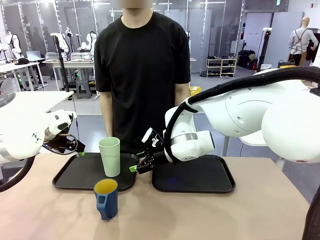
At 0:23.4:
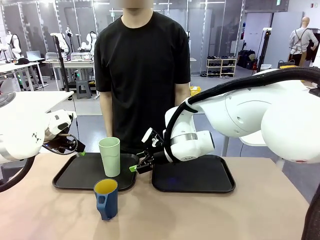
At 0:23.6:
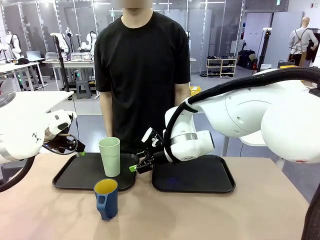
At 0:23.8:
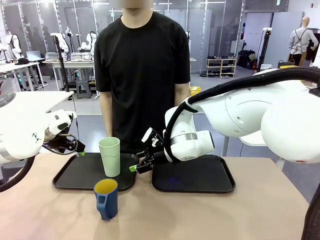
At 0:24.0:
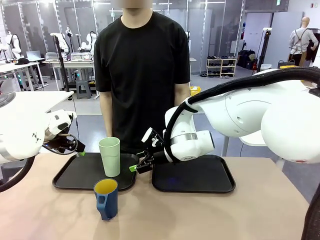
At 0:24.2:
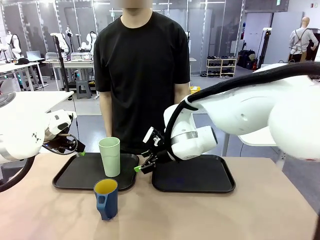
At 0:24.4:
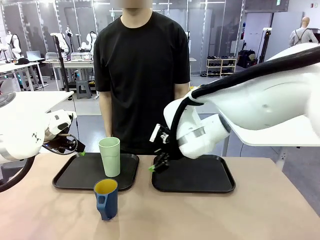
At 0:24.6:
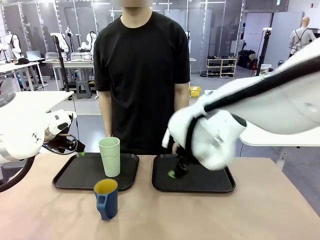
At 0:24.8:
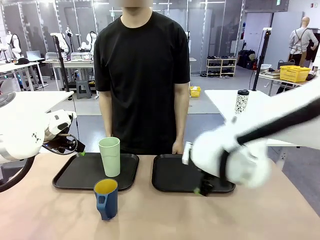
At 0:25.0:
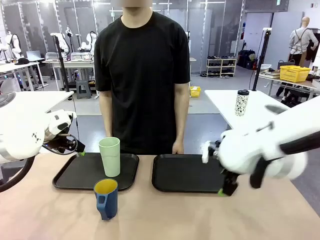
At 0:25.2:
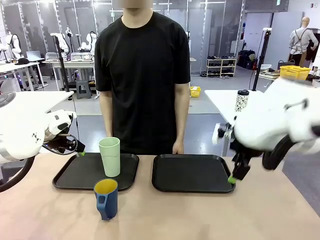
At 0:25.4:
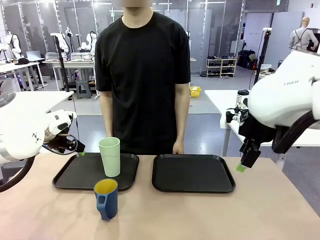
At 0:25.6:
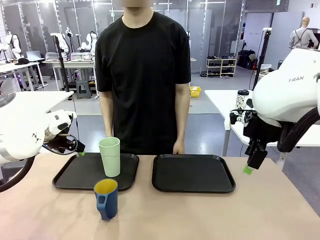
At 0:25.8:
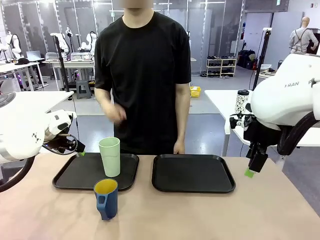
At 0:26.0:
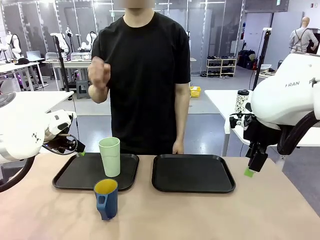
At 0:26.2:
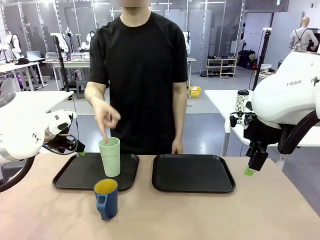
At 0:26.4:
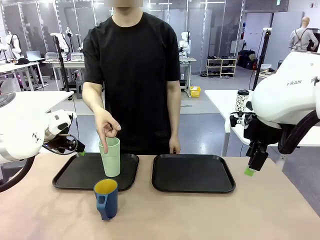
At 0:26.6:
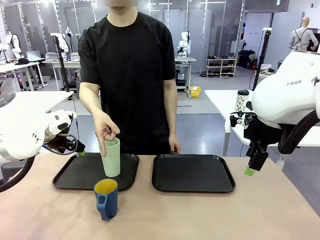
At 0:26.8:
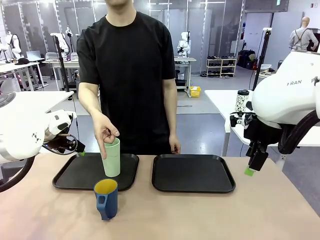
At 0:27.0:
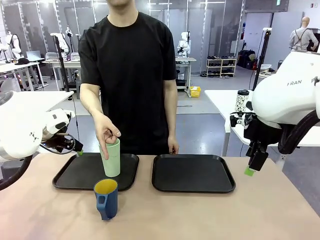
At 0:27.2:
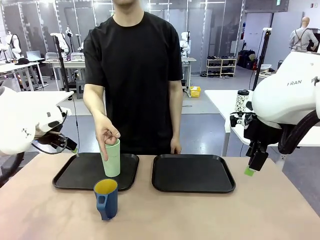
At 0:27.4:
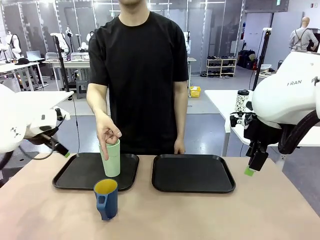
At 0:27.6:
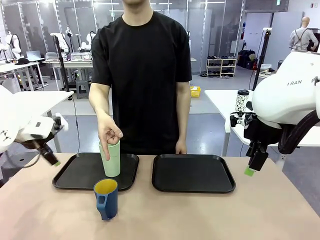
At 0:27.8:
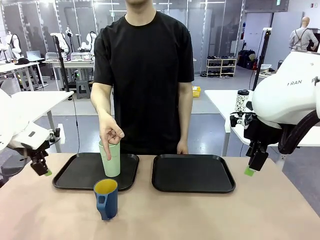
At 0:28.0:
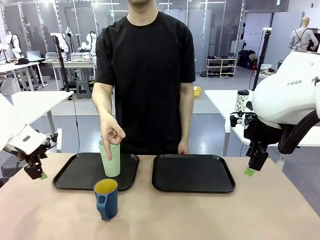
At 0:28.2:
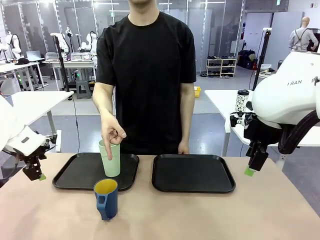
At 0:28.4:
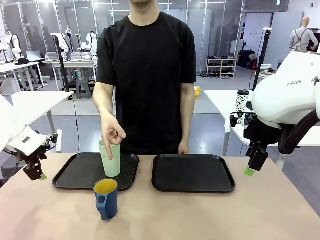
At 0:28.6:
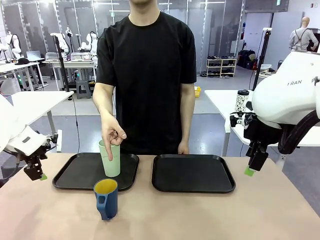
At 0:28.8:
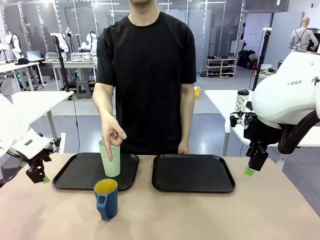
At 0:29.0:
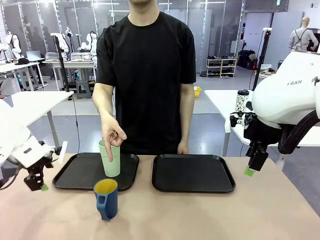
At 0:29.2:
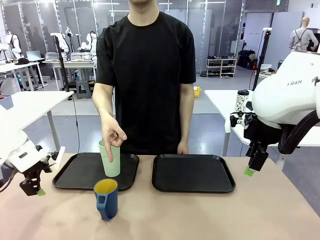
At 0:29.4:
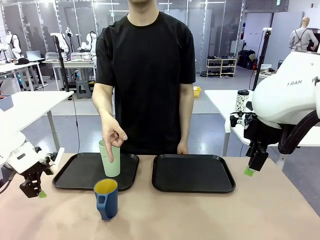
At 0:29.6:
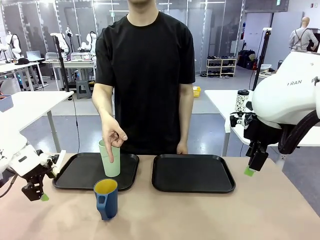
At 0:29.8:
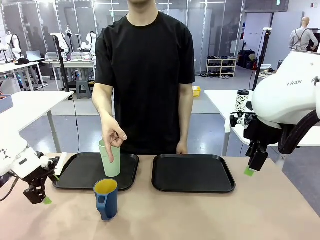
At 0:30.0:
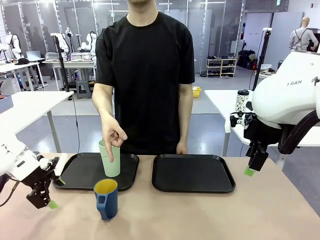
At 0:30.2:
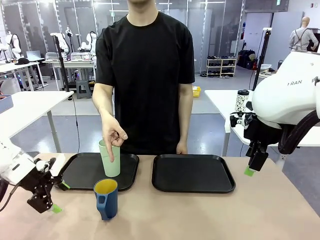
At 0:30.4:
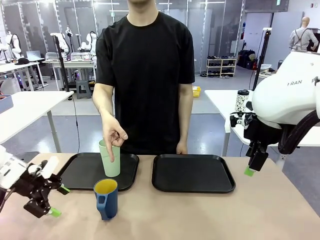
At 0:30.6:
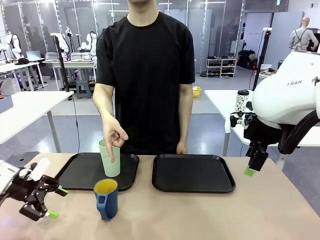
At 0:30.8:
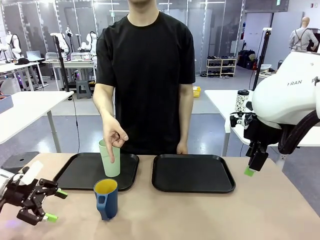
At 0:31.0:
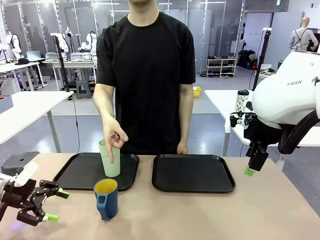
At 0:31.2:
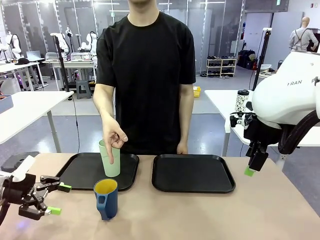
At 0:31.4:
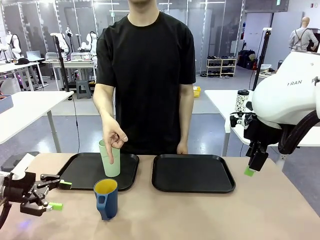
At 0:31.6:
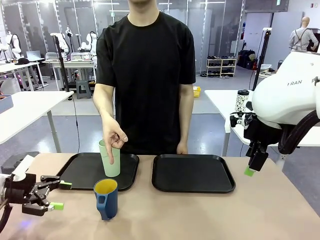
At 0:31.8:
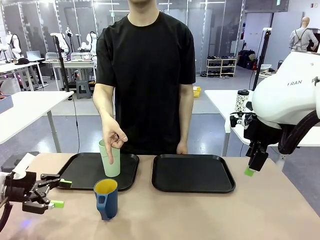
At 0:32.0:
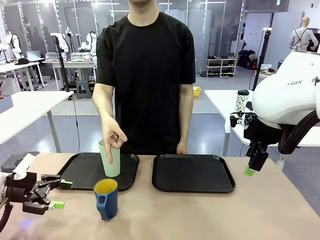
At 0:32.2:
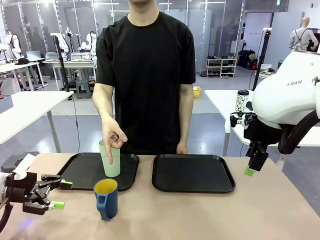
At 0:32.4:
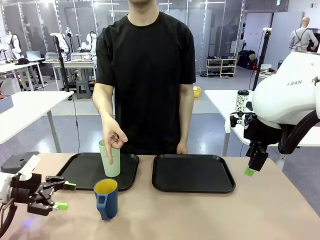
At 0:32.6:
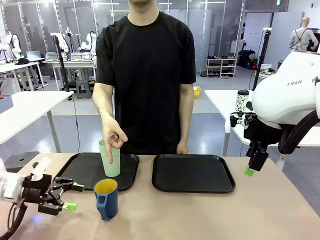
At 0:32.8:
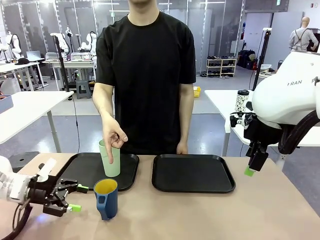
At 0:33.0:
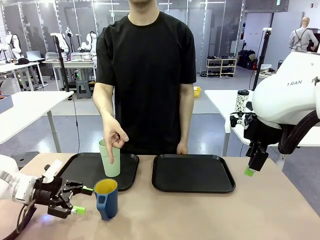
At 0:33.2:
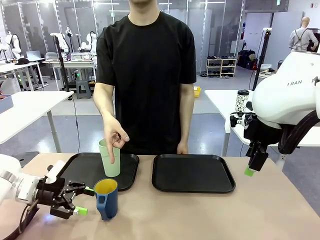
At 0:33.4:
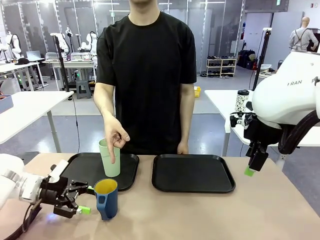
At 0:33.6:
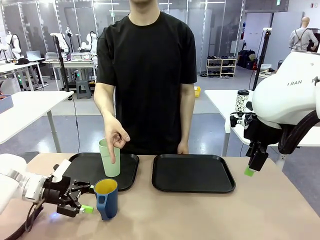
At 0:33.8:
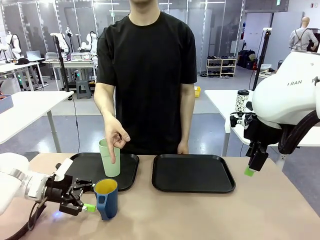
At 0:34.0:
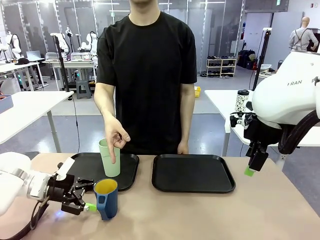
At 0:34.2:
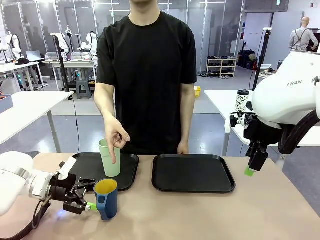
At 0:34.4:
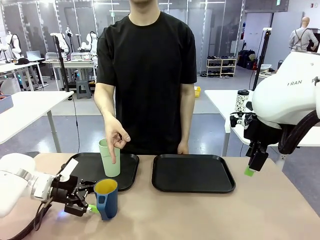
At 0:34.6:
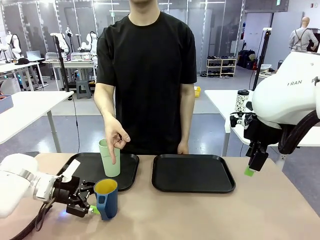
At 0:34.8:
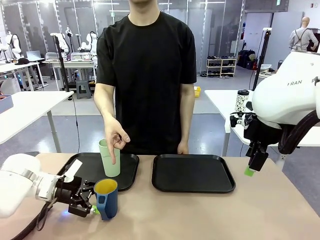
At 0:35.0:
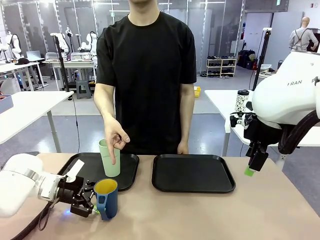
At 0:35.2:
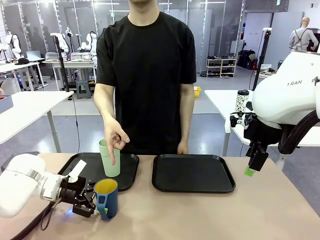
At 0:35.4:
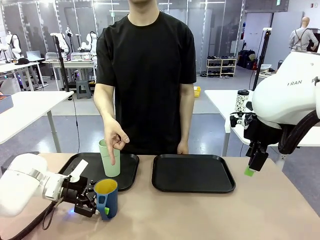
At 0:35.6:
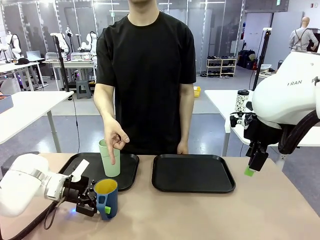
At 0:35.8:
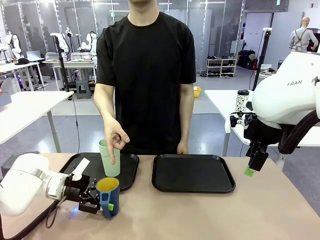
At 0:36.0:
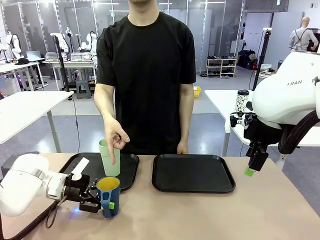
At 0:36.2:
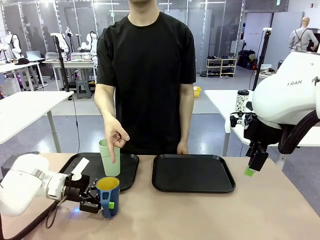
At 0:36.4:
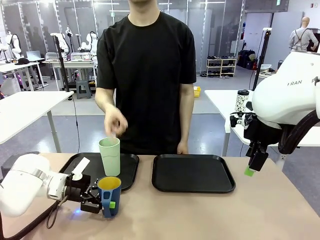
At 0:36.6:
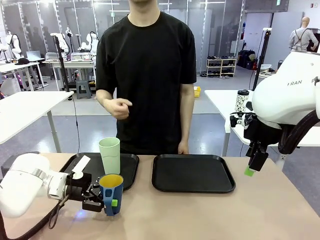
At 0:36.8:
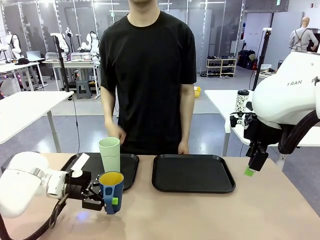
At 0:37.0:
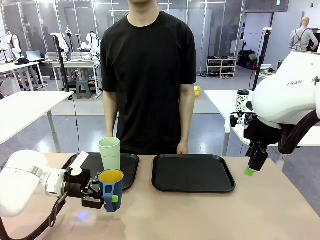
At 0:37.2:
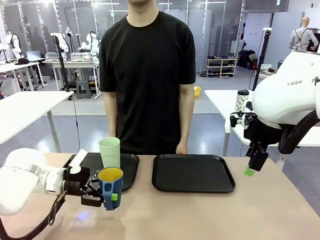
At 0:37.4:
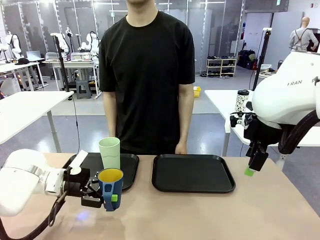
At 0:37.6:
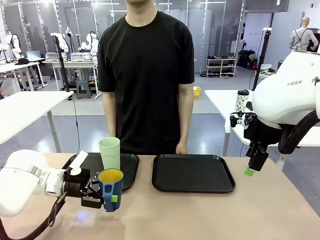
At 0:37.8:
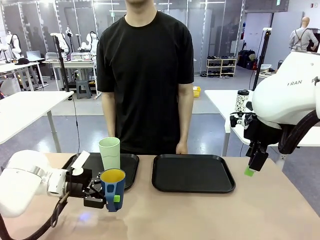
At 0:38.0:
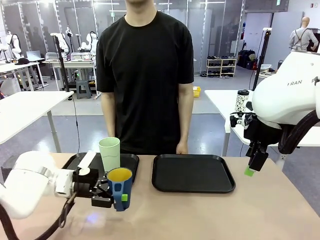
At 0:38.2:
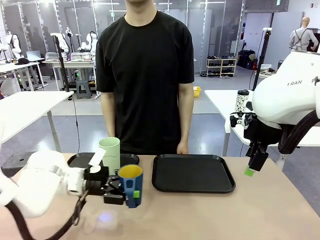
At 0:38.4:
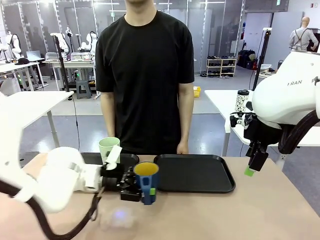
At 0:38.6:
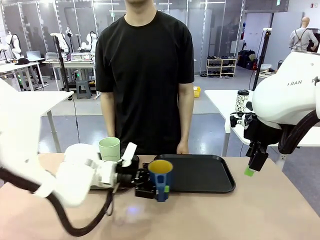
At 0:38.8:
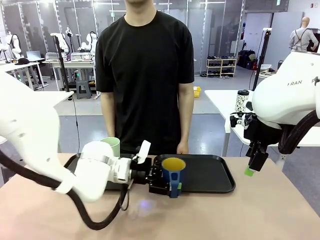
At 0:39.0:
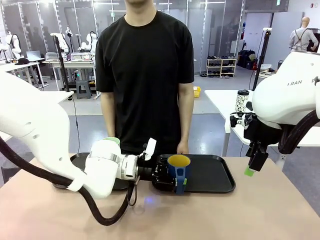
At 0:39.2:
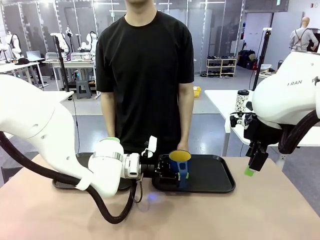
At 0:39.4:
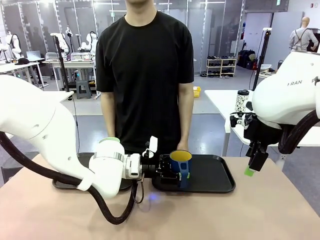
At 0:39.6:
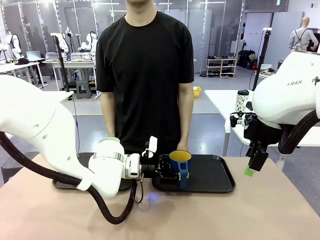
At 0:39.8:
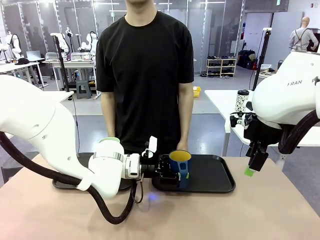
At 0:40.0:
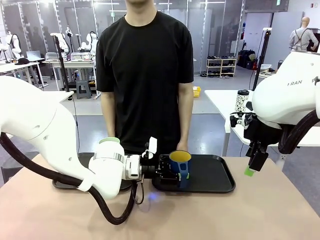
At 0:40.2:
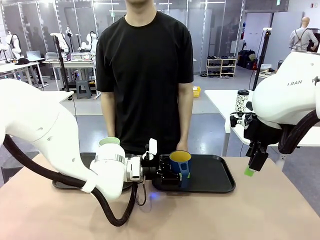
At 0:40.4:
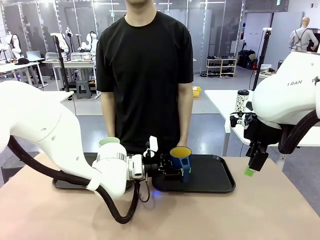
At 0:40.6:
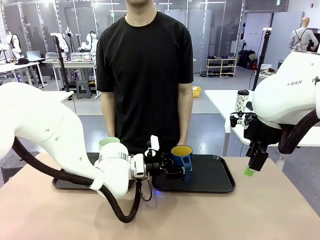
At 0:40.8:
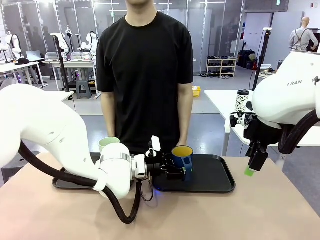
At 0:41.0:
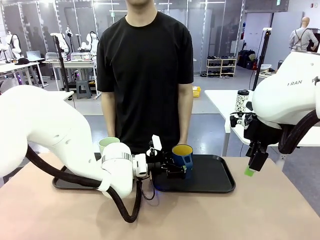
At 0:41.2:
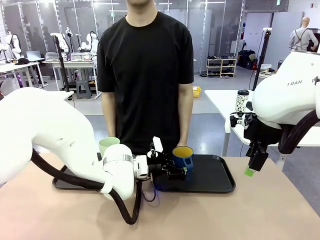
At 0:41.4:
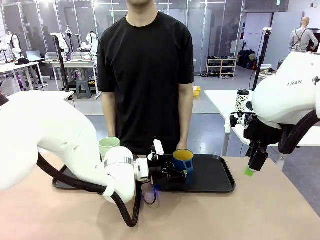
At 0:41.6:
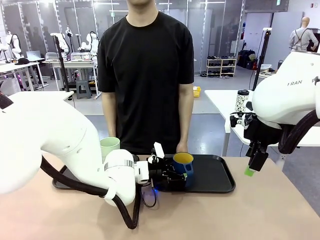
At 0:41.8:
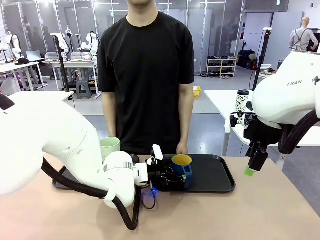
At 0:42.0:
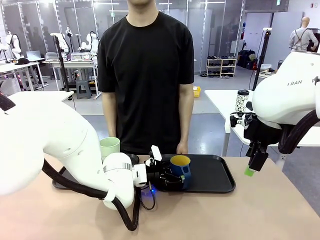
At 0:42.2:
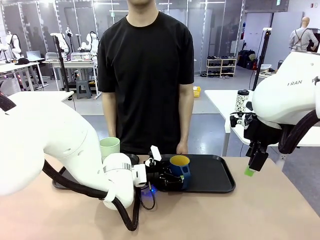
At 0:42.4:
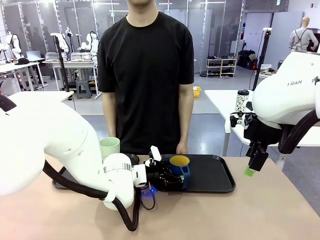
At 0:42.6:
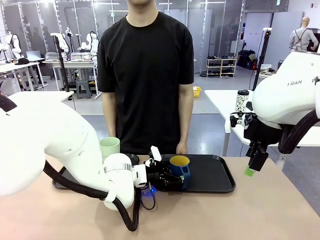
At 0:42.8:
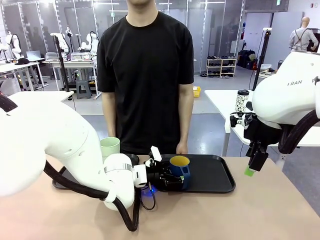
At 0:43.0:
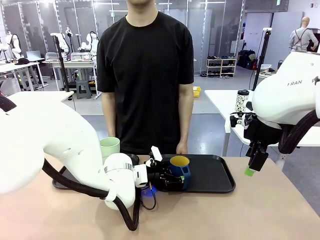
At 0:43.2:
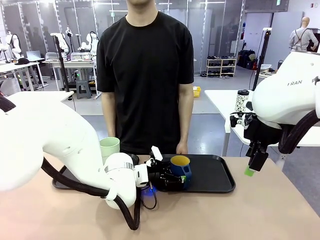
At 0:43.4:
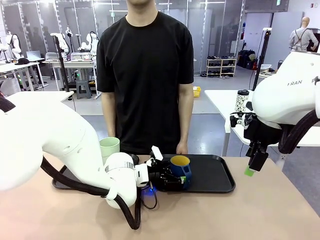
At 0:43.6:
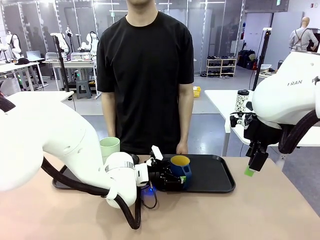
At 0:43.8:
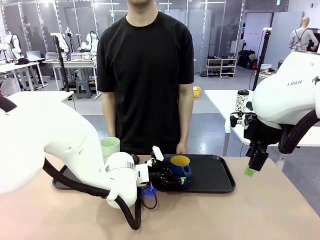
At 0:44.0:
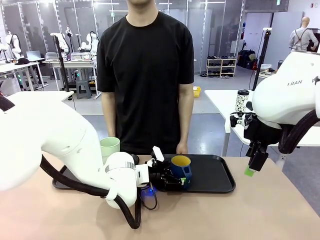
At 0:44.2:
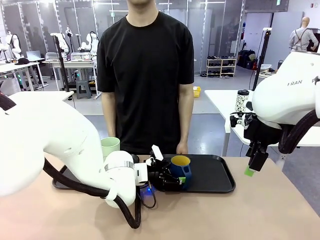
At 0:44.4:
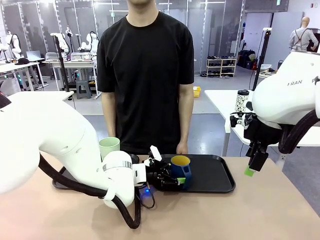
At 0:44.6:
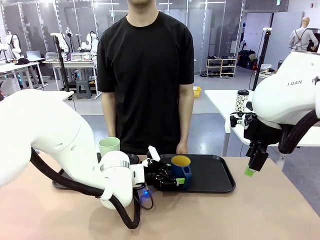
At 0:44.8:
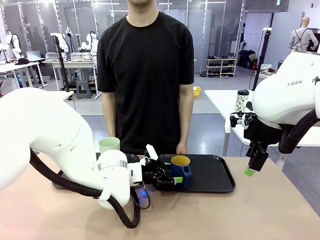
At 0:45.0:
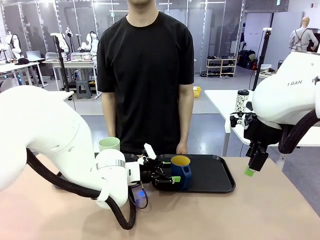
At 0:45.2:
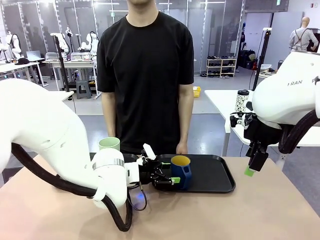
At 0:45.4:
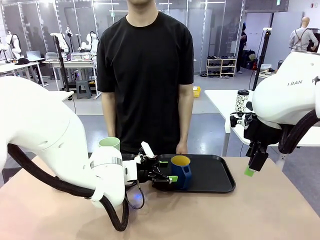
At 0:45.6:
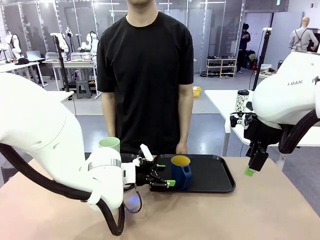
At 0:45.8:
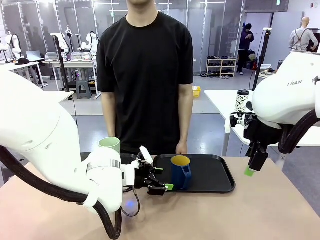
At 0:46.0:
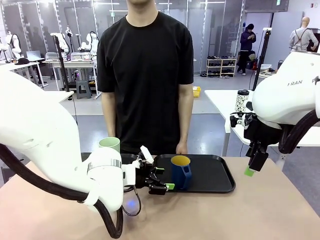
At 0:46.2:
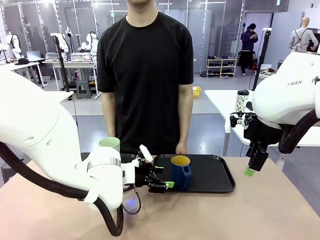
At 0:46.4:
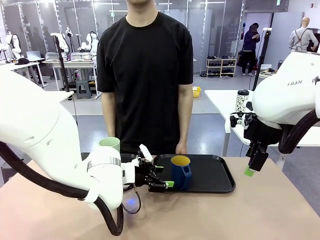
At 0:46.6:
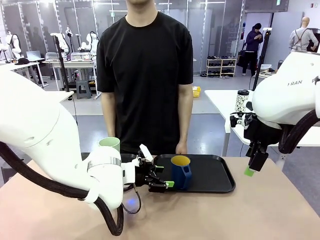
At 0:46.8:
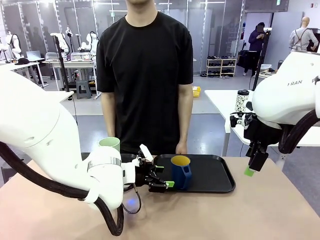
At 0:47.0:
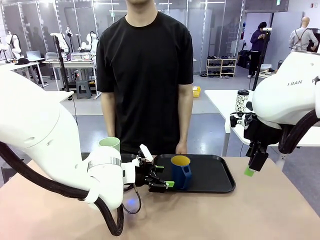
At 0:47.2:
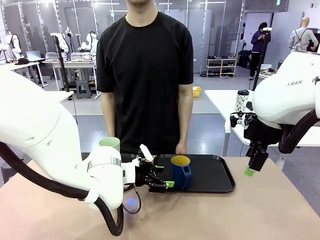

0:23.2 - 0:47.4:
Task: Sort and store the cups by type.
Robot: Pick up the Handle plastic cup and place it into the empty Flat Tray.
Person: Points to the cup with a handle.
